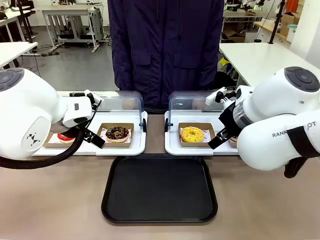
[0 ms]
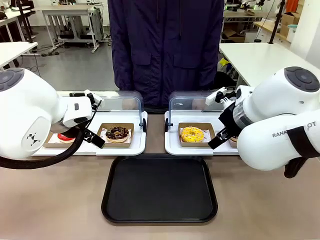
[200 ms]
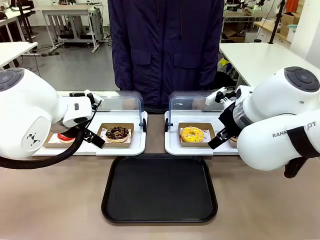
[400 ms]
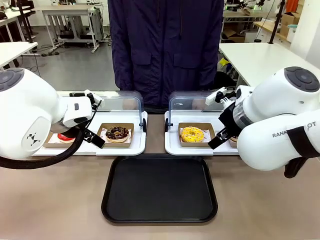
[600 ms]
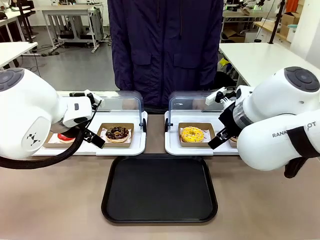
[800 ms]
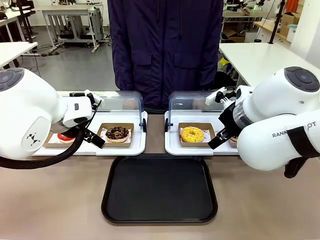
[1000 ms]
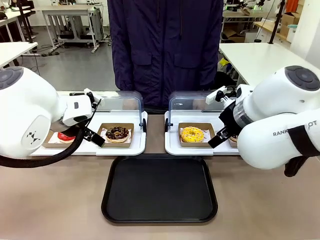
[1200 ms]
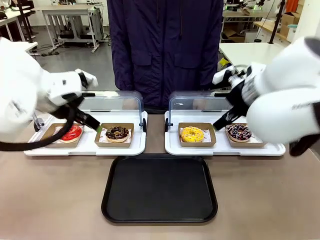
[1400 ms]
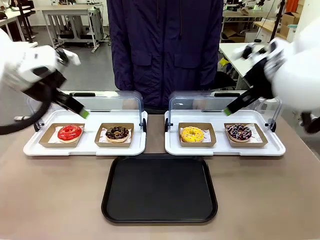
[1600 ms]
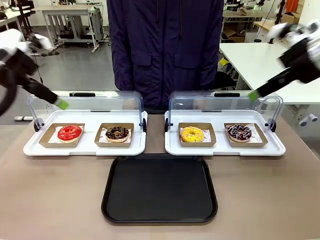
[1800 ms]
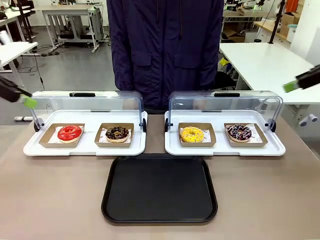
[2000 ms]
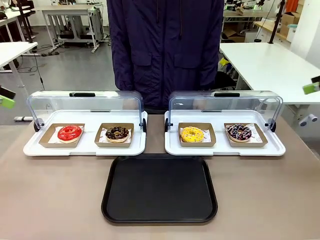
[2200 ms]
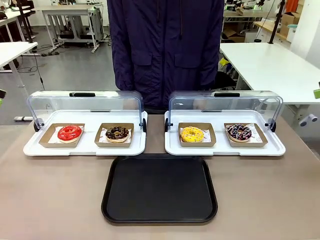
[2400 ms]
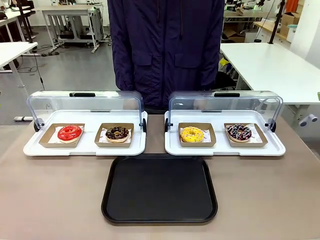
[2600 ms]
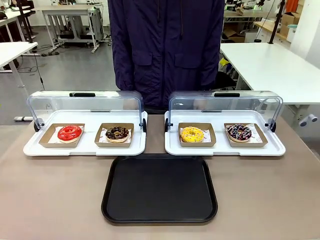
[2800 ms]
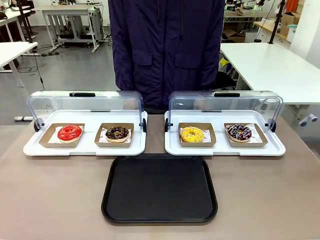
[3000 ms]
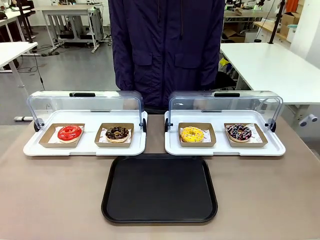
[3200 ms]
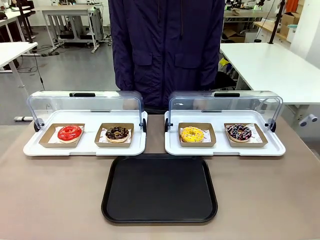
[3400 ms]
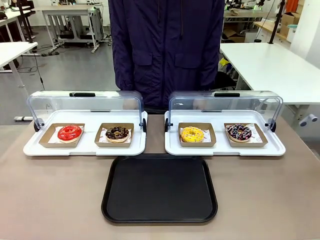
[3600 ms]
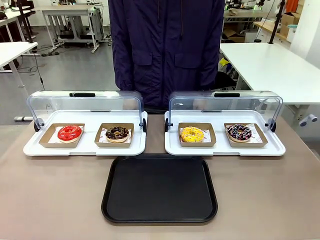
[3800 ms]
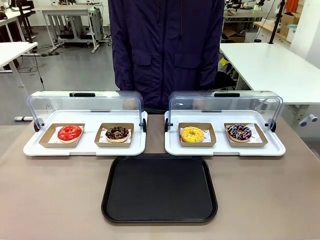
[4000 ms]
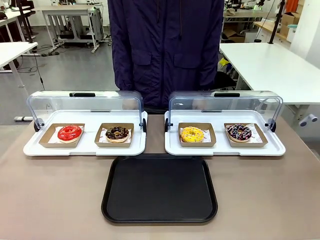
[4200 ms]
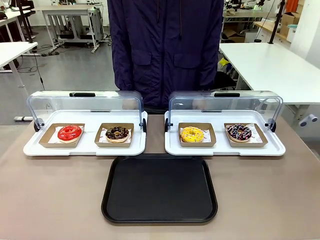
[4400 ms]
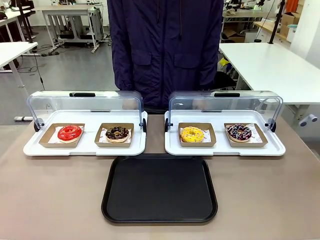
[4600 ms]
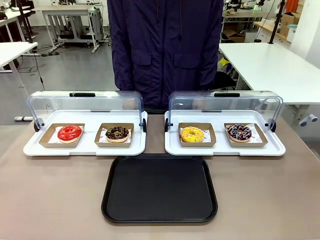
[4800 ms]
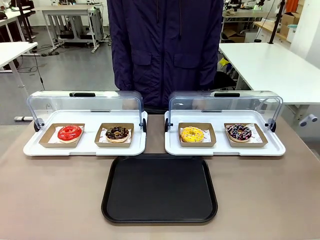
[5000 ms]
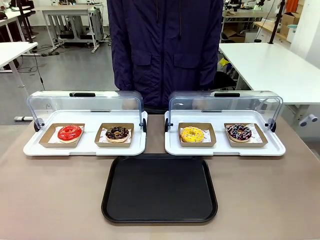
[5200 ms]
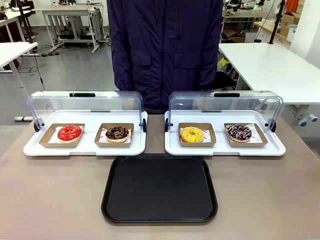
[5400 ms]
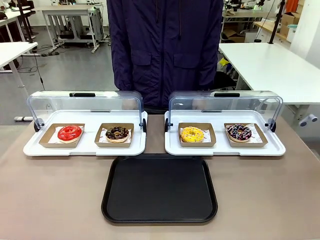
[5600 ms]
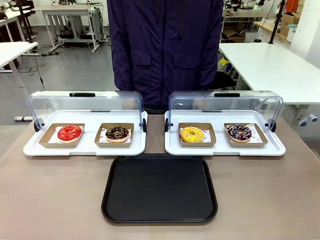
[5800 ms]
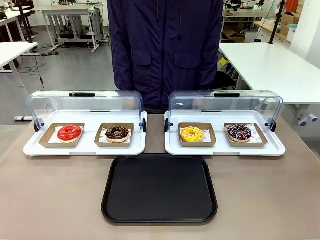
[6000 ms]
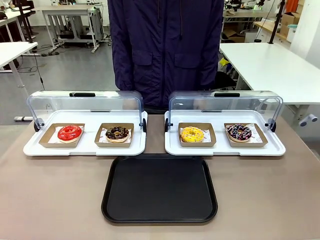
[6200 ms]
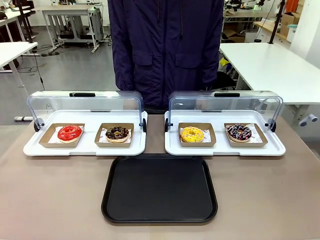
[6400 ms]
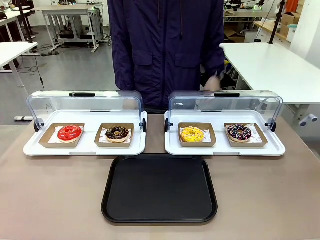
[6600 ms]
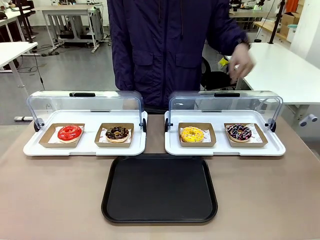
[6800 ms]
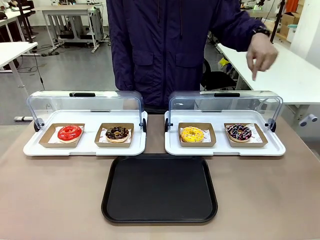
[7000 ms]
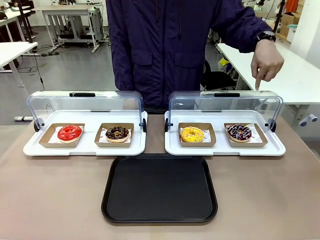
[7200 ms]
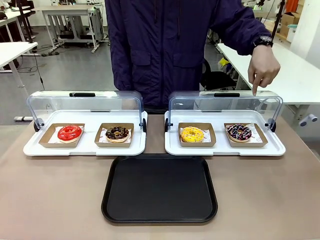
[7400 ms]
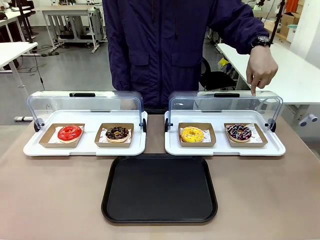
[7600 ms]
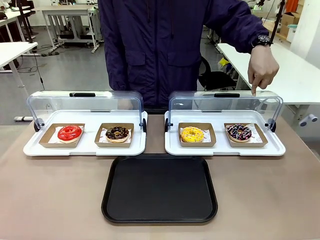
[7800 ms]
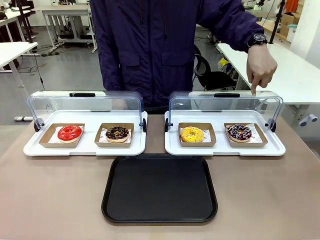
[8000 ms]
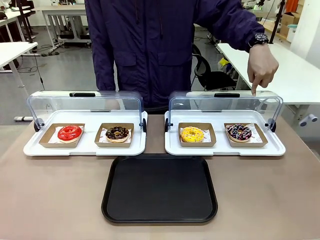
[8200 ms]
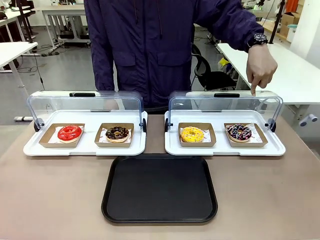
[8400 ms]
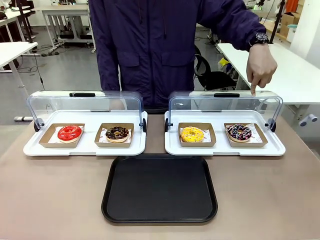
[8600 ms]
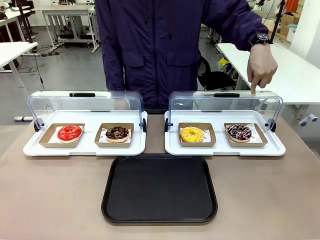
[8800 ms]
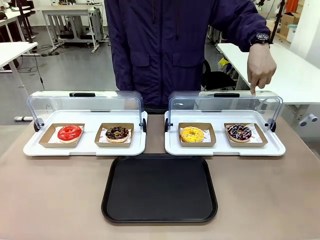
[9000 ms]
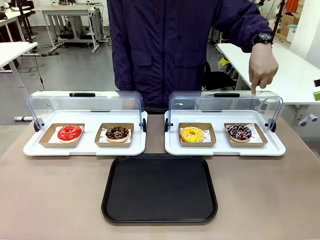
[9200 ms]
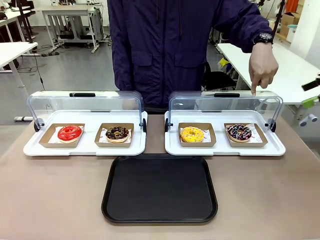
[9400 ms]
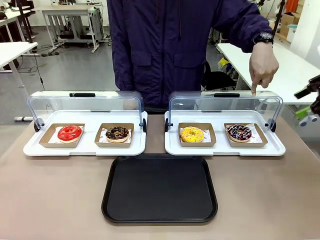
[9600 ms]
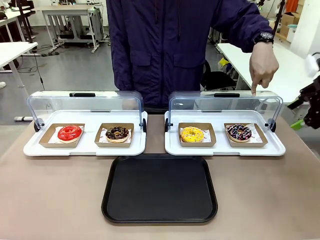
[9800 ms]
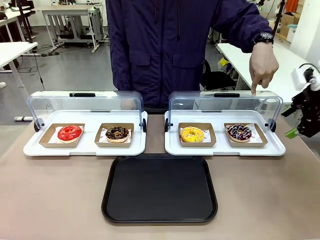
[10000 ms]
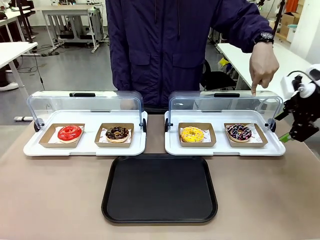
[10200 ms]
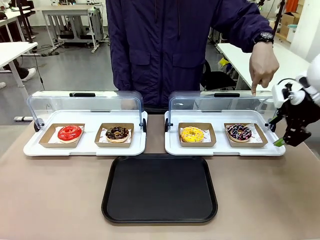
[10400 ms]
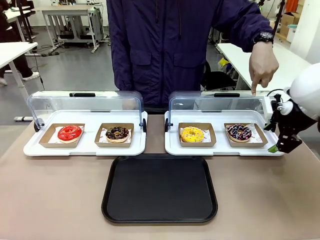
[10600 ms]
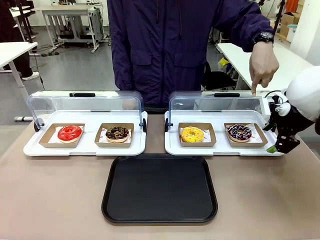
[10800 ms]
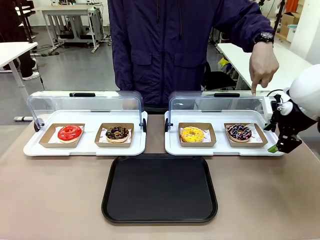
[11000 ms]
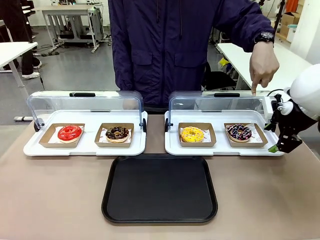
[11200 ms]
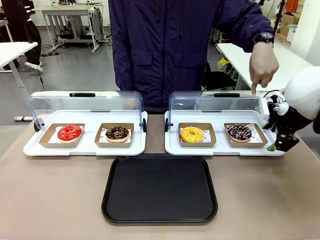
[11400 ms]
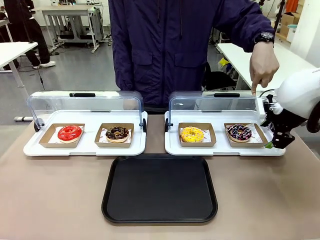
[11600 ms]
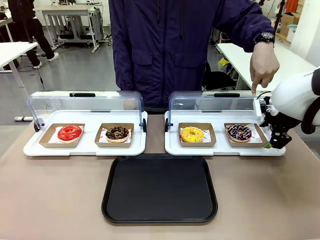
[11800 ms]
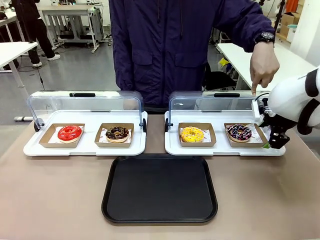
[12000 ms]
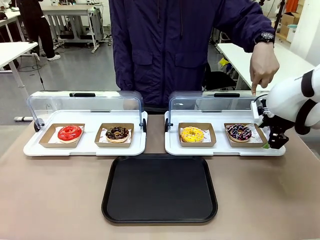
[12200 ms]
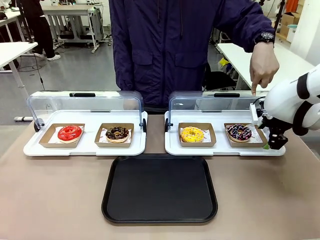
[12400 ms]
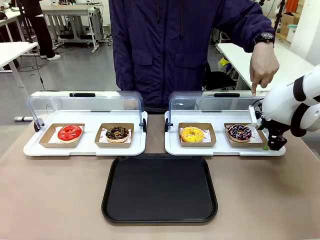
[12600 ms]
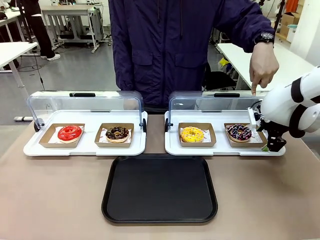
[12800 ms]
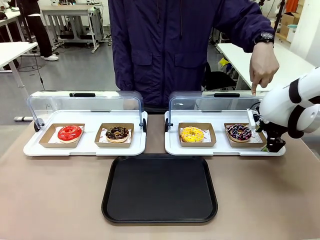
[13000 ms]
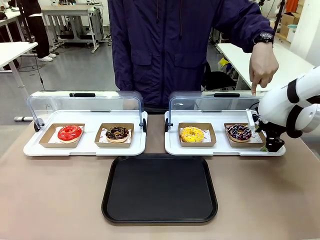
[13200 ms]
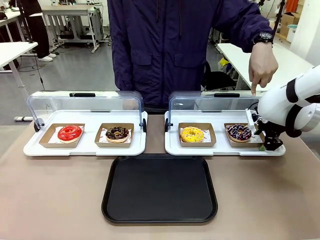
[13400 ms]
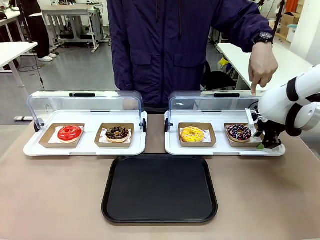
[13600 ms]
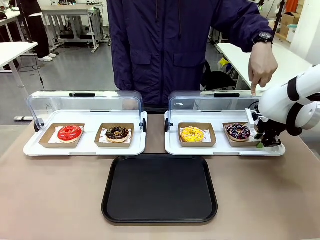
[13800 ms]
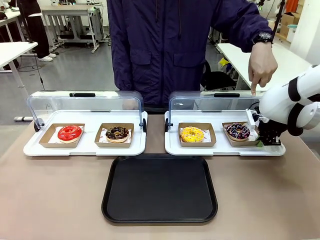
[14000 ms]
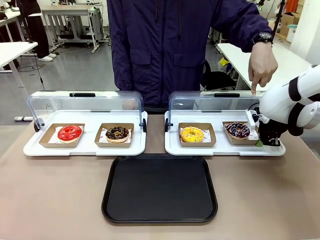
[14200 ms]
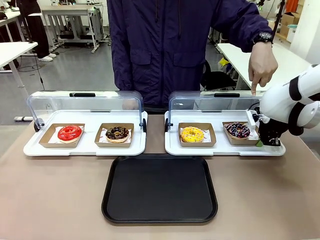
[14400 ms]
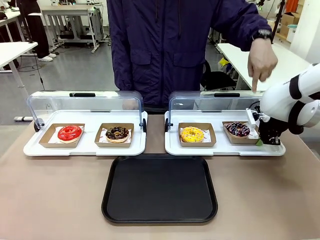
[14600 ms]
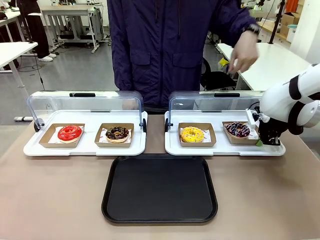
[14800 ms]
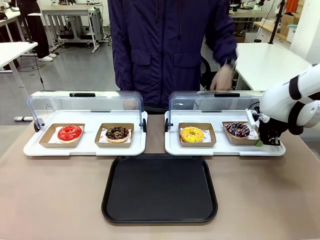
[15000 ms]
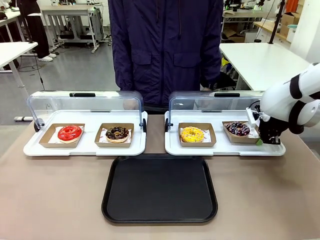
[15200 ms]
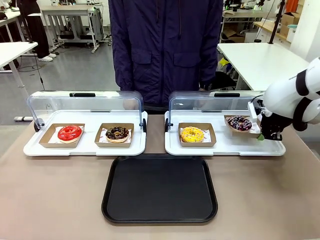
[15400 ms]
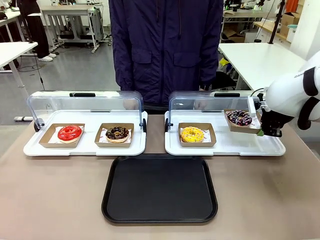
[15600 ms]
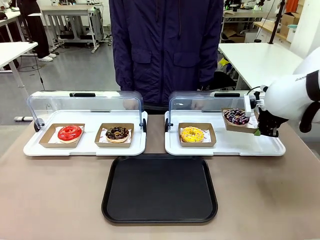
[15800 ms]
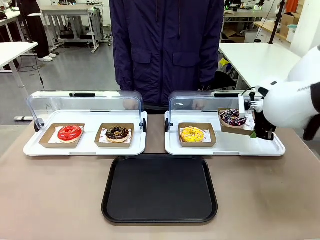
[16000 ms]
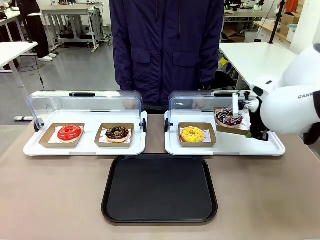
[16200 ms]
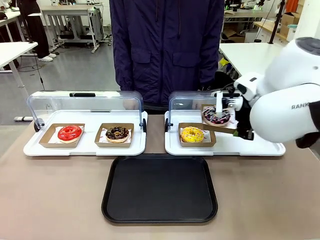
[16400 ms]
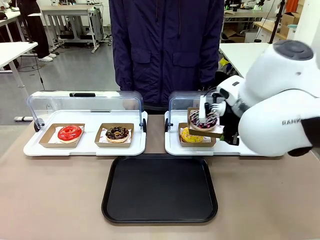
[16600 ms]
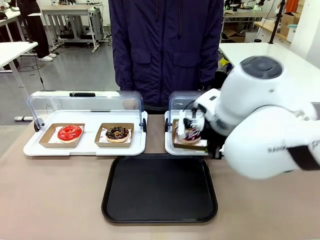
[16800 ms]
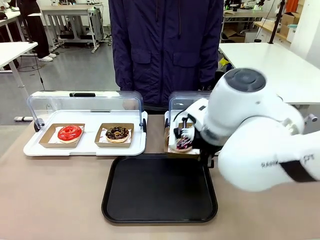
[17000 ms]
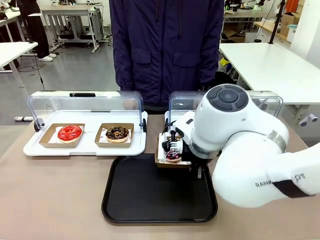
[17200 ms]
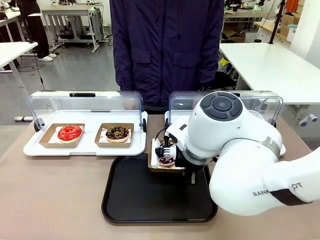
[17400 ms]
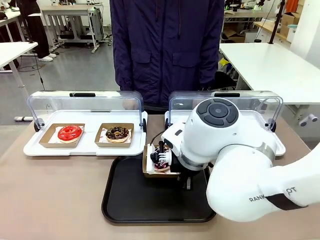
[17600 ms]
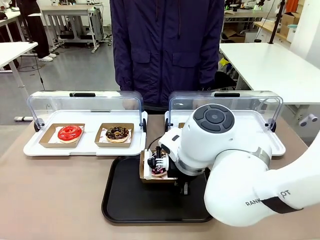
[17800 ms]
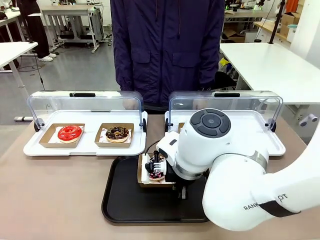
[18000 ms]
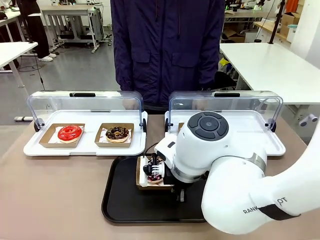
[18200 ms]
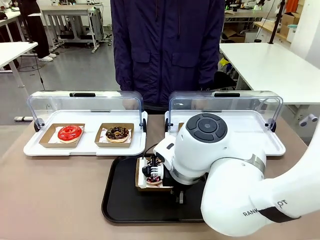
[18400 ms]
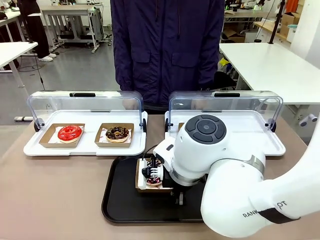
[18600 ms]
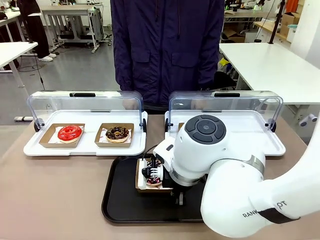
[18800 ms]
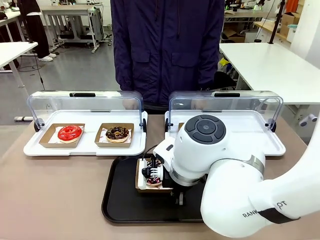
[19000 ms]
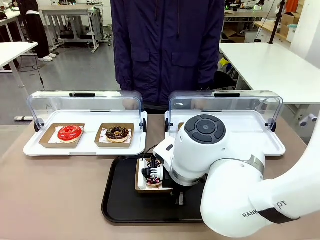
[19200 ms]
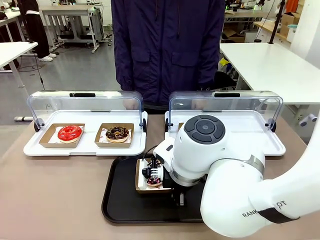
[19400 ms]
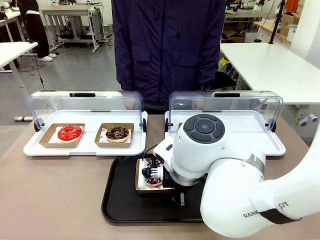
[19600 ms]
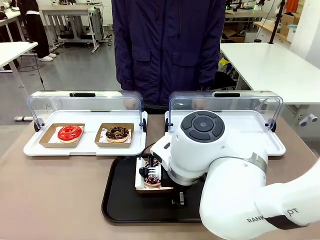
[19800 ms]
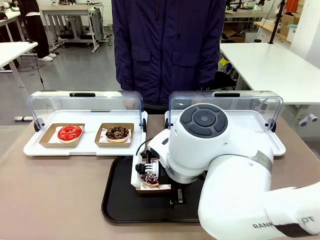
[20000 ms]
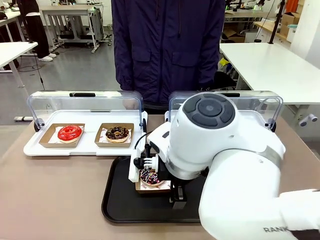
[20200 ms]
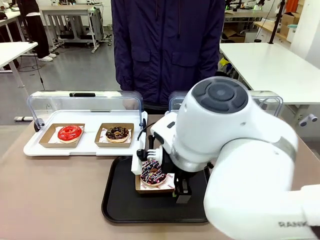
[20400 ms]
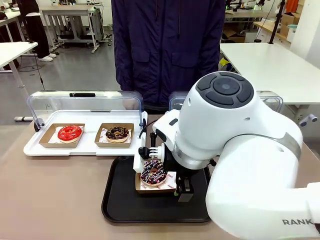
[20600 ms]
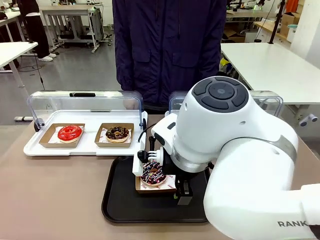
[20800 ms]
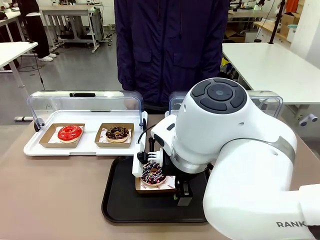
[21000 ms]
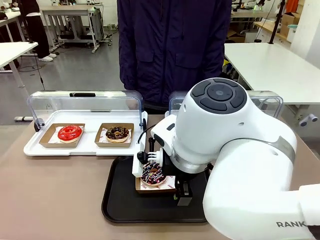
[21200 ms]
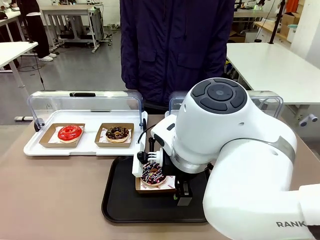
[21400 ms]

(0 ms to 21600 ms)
Task: Move the fourth donut from the left to the tray.
Robot: Pick up the Paper togo box containing the Donut indicated by the person and place it on the Handle tray.
Person: Points to the fourth donut from the left from the robot’s perspective.
